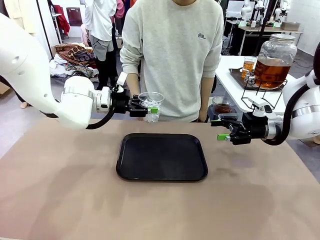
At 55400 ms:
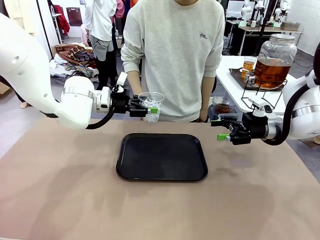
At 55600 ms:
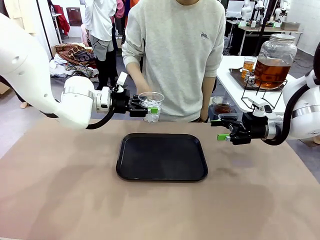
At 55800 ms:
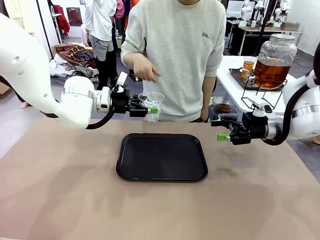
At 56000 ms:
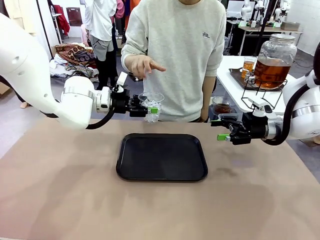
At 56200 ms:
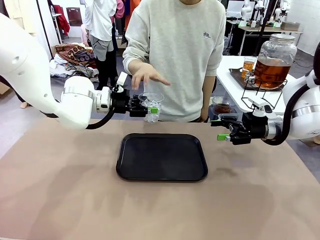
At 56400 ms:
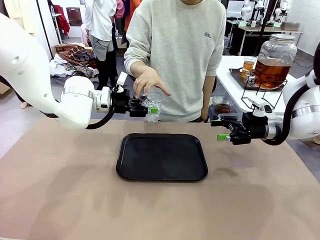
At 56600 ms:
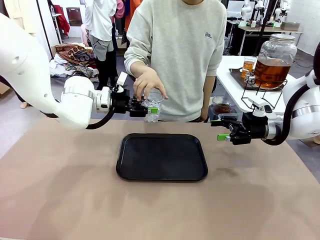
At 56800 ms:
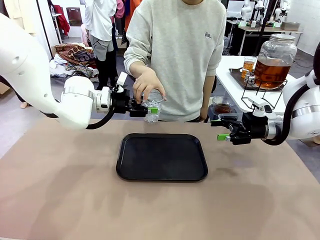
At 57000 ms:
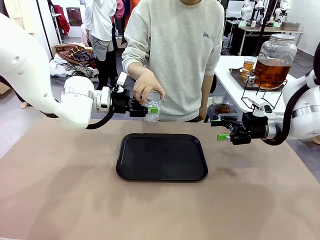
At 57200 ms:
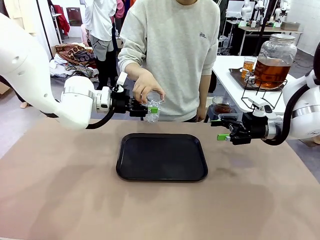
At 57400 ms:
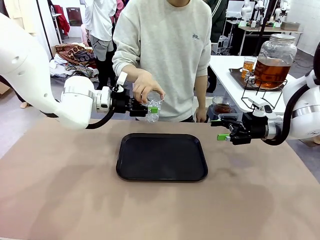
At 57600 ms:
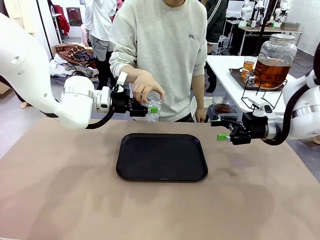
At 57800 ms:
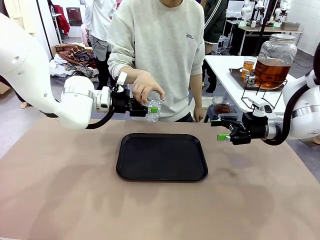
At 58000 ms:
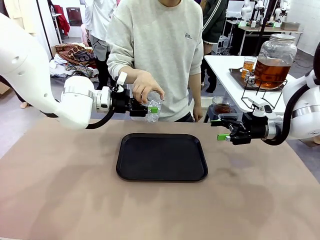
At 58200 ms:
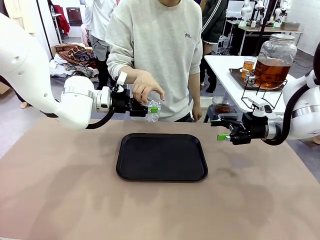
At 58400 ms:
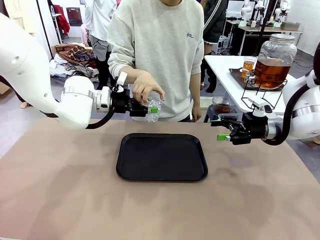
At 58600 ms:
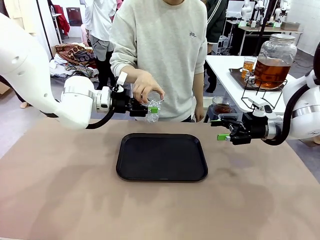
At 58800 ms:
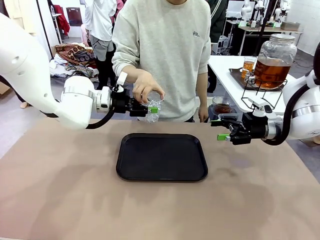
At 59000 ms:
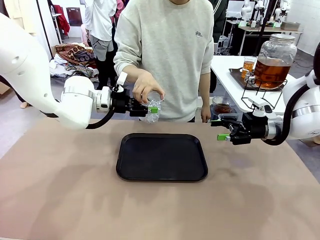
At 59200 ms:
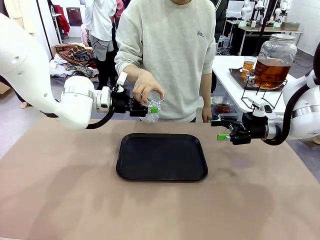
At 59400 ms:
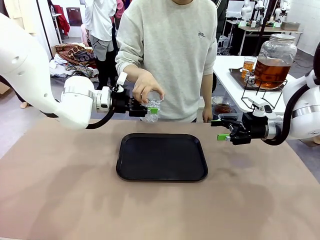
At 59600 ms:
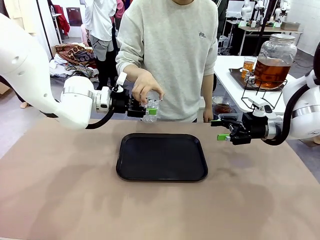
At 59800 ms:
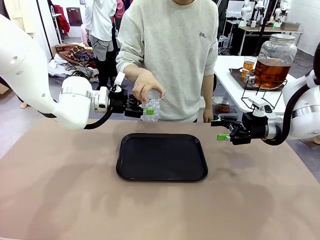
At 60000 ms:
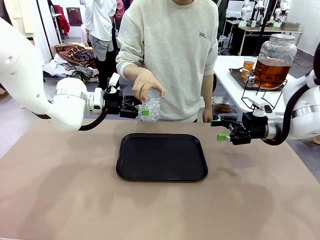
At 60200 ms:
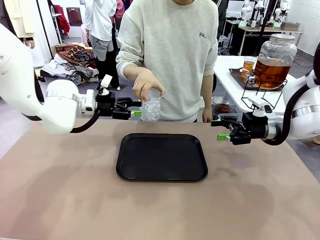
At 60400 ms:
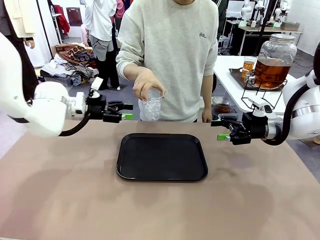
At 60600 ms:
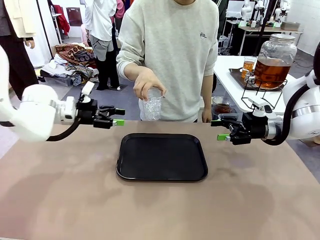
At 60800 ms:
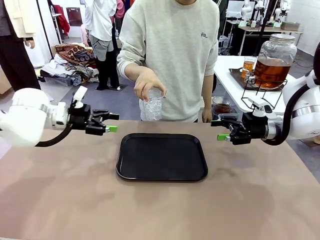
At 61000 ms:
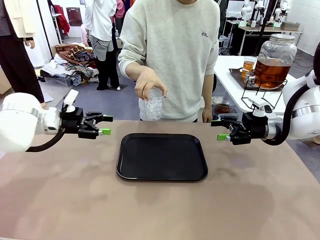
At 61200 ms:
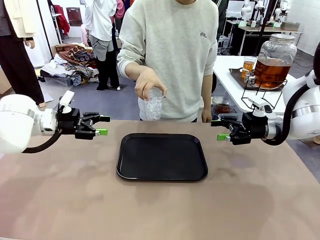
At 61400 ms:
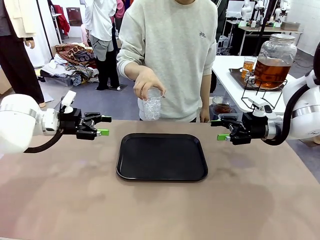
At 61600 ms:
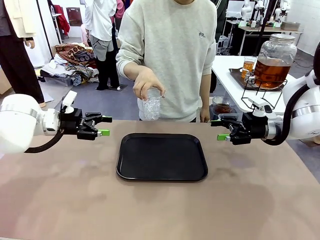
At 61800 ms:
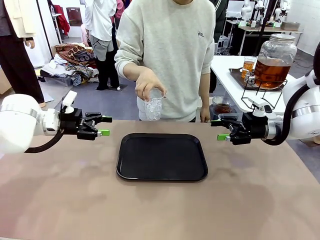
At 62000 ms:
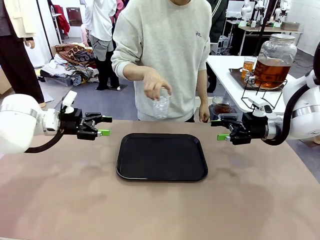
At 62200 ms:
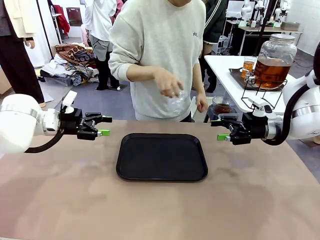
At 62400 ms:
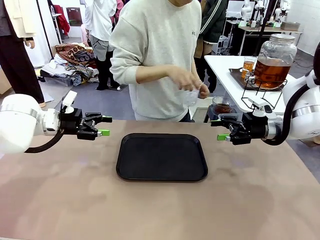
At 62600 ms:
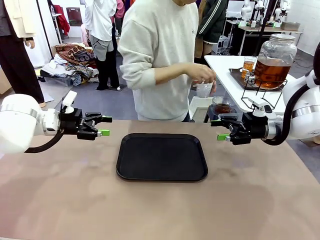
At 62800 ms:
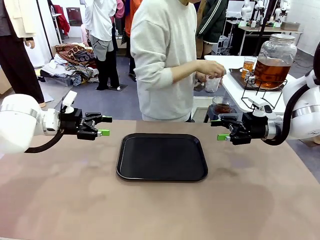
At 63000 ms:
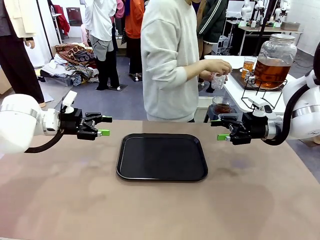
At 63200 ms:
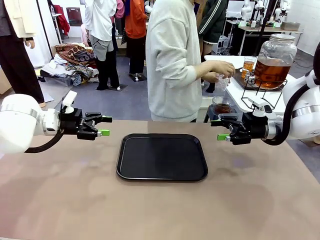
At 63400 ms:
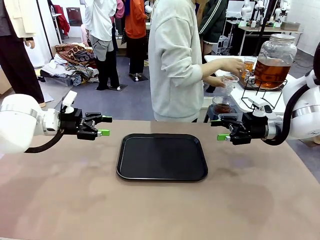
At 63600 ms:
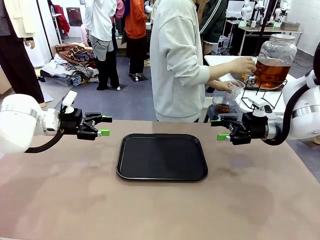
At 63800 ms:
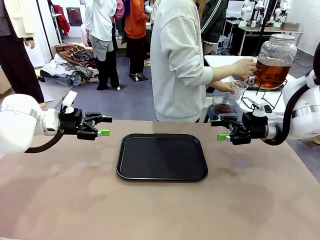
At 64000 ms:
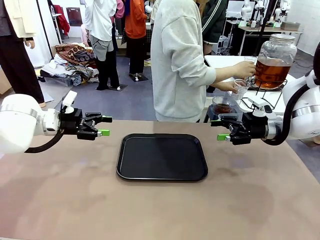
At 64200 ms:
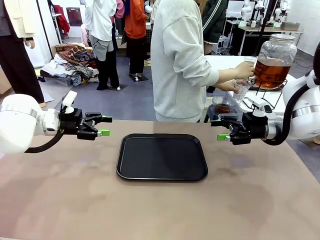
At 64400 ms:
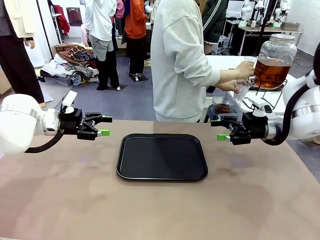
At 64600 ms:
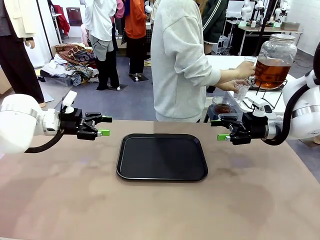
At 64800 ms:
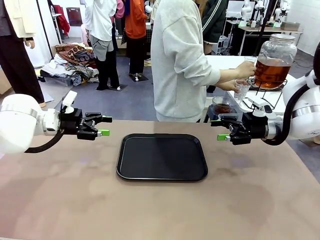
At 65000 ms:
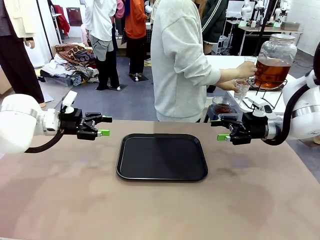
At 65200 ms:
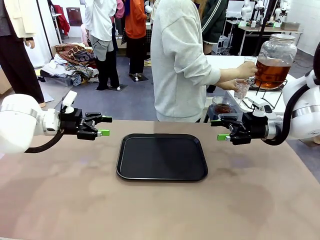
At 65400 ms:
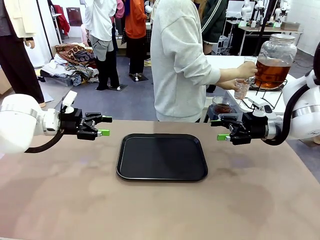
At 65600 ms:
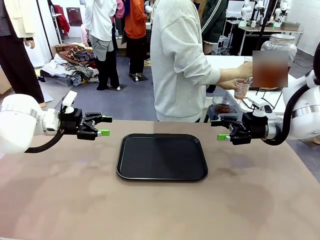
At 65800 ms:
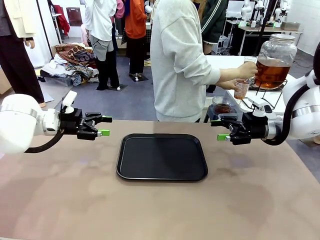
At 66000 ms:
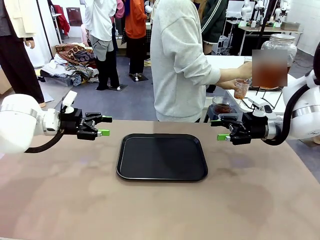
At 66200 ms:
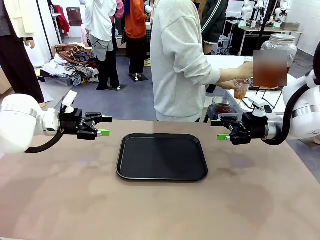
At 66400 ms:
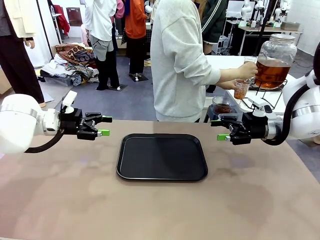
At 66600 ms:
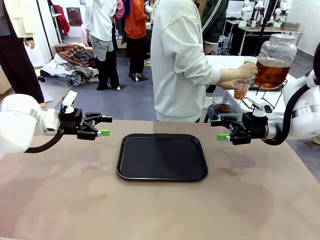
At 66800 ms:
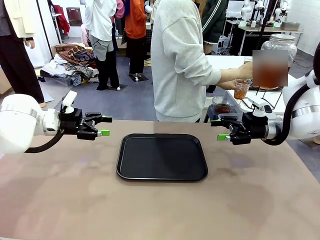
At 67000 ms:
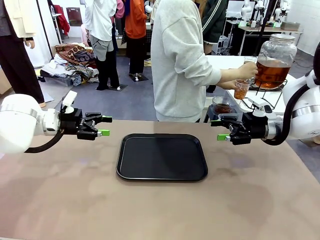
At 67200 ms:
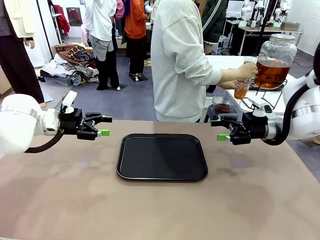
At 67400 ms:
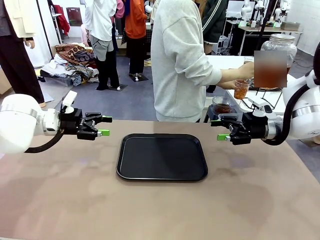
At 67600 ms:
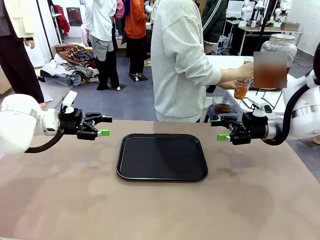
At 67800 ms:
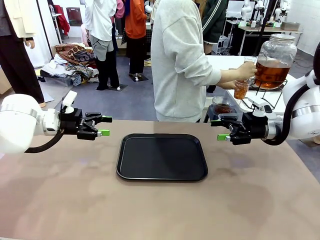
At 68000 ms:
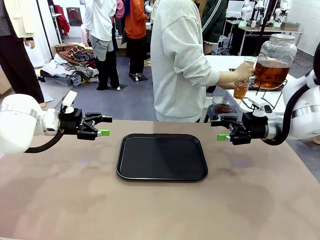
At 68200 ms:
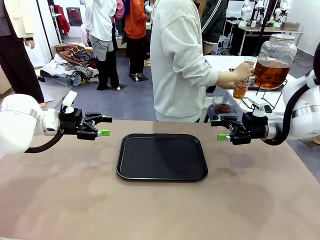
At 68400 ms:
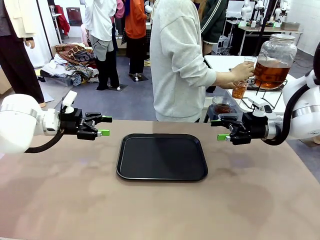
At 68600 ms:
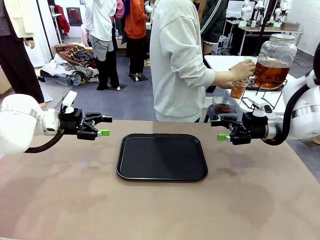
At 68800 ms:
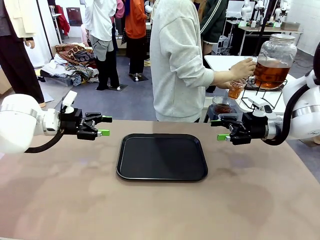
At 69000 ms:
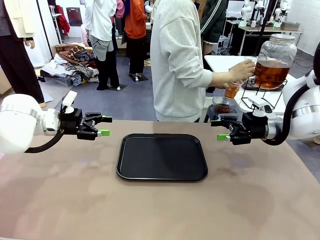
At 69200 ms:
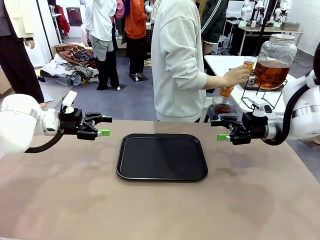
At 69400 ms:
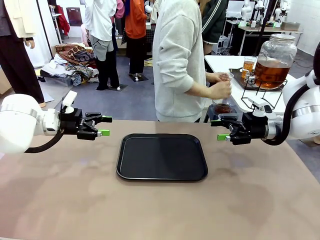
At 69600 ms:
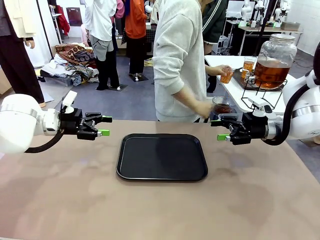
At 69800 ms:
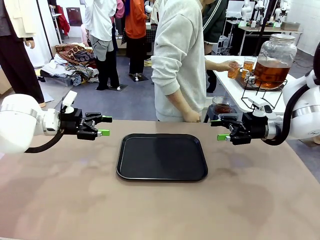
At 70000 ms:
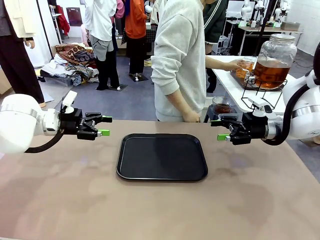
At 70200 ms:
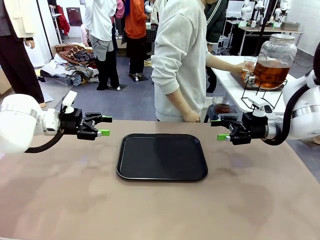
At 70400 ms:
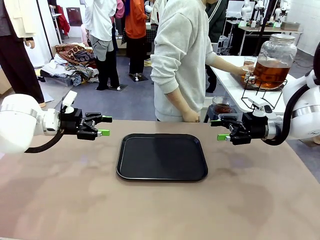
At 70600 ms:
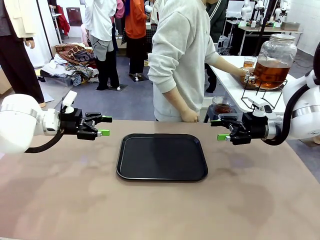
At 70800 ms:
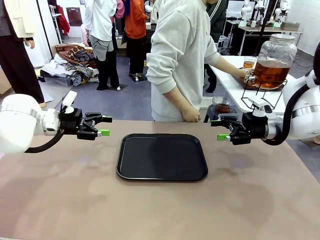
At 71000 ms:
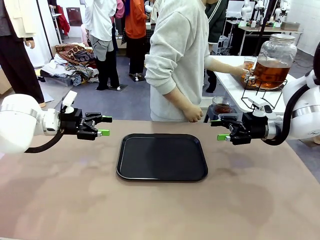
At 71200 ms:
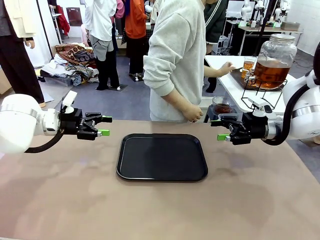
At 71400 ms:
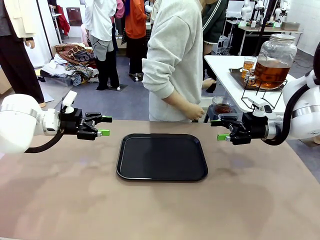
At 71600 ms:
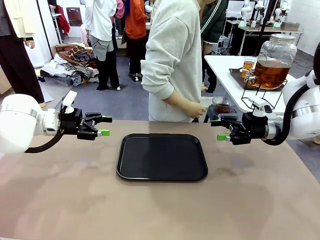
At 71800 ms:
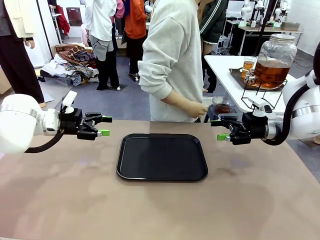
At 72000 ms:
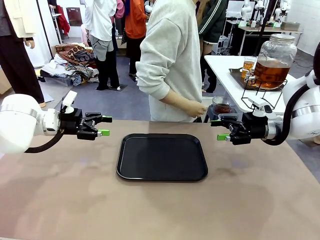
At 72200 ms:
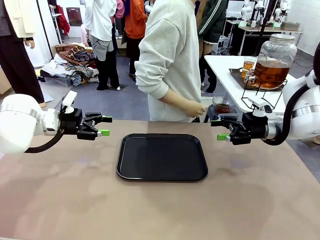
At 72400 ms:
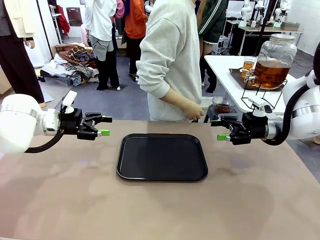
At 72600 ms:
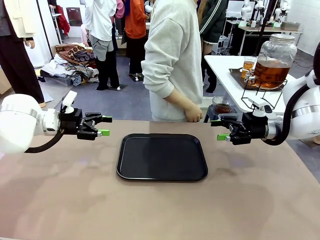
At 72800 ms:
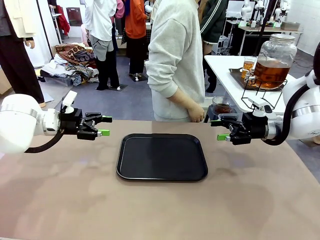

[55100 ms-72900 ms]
Task: Pour the drink into the iced cup.
Robot: Open the gripper to release the iced cup you were holding.
Person: Move the picked-up cup under the dispenser faucet, pour the drink, and place it on the tray on the human table.
